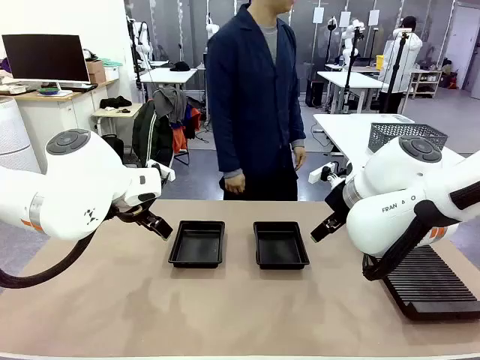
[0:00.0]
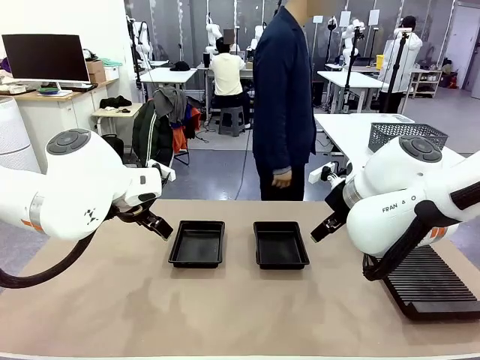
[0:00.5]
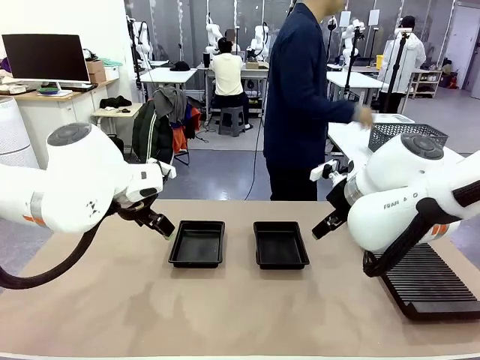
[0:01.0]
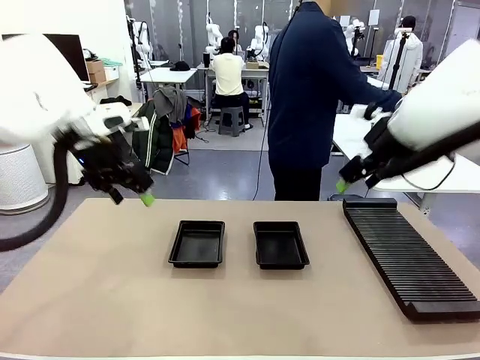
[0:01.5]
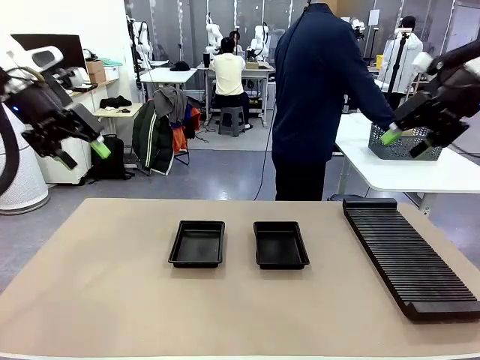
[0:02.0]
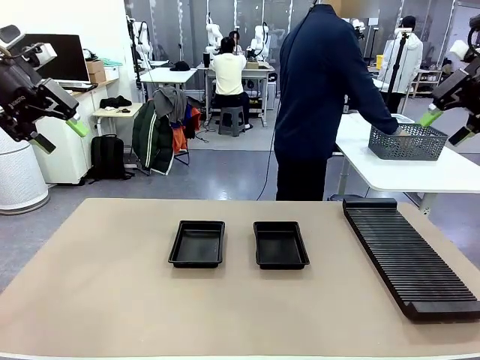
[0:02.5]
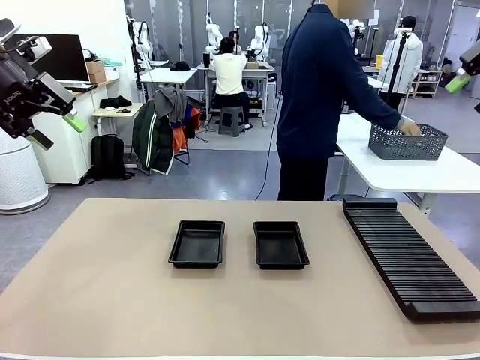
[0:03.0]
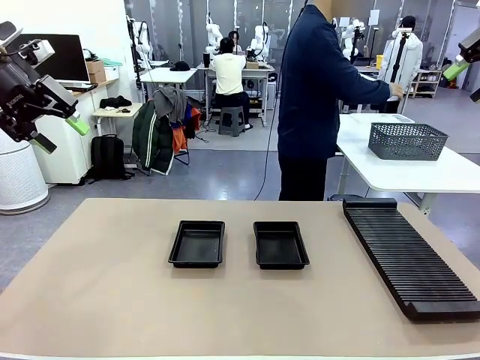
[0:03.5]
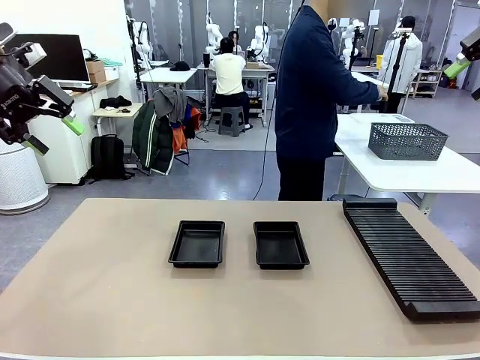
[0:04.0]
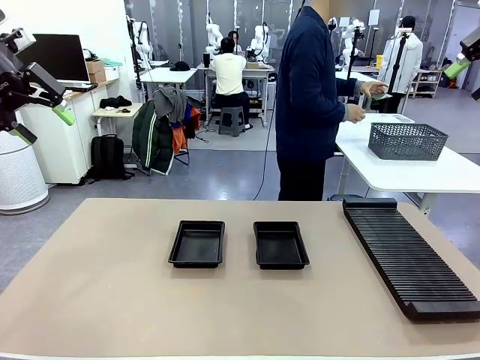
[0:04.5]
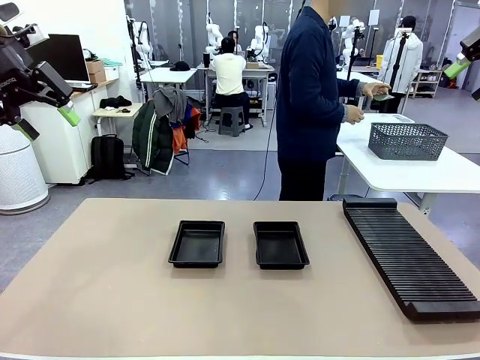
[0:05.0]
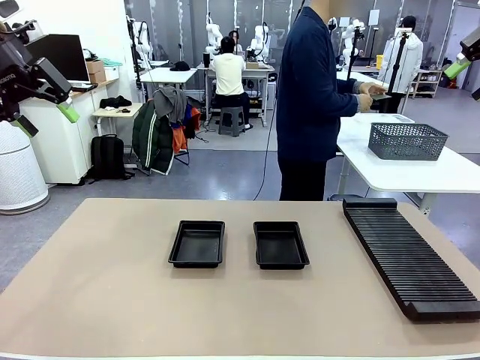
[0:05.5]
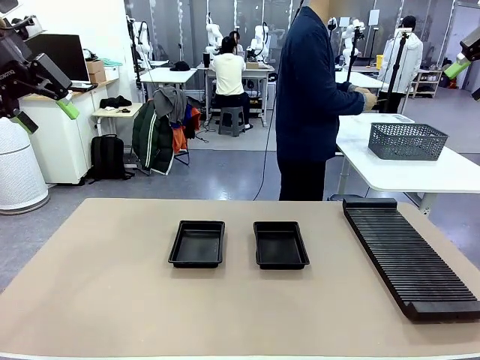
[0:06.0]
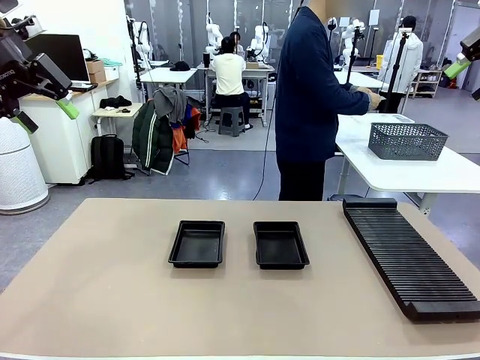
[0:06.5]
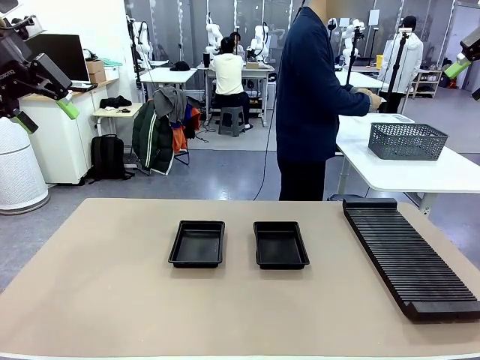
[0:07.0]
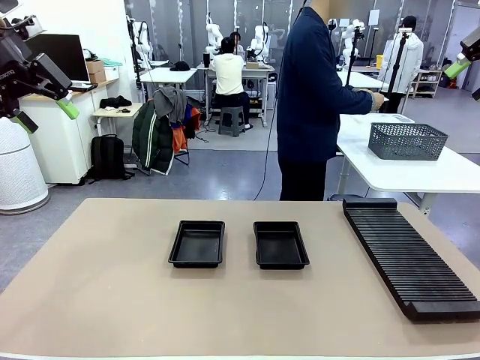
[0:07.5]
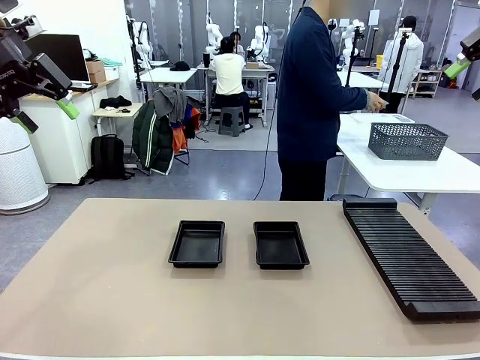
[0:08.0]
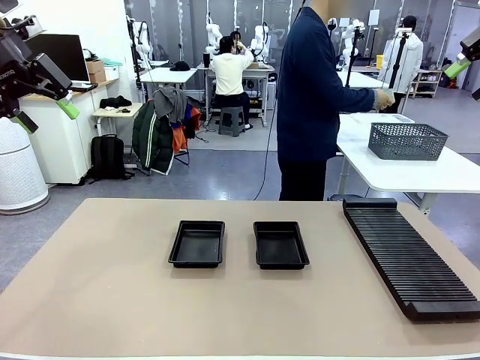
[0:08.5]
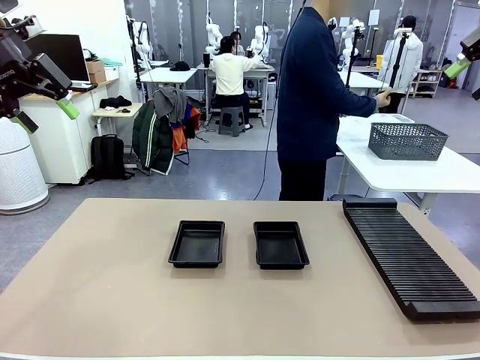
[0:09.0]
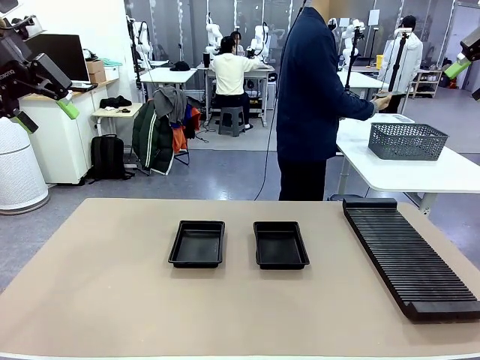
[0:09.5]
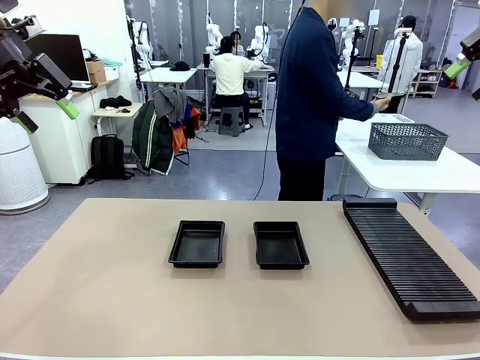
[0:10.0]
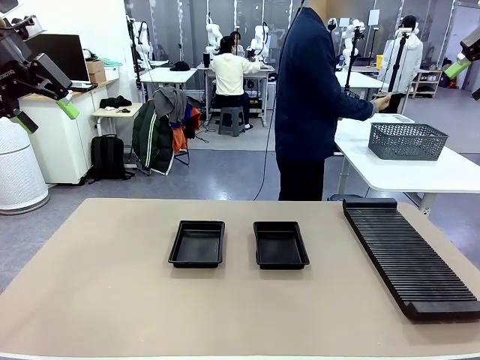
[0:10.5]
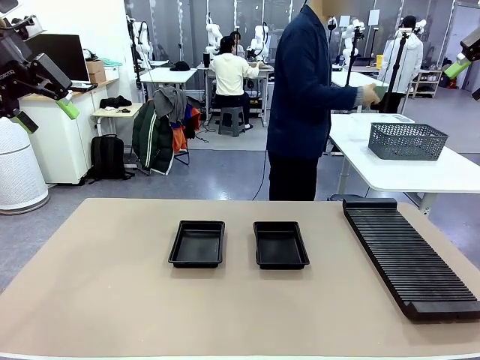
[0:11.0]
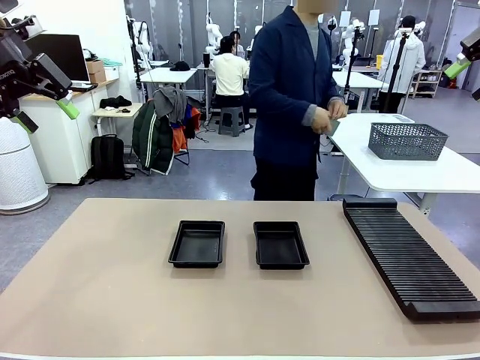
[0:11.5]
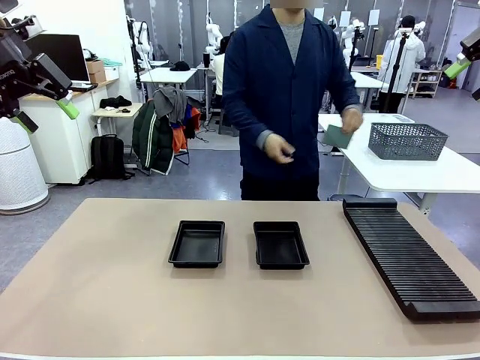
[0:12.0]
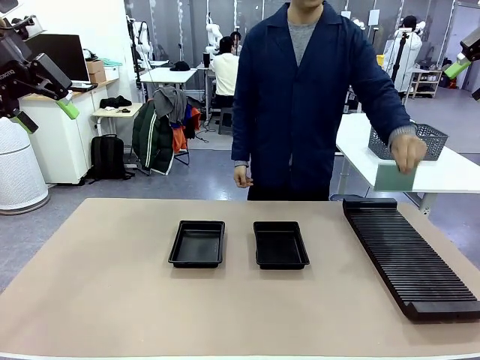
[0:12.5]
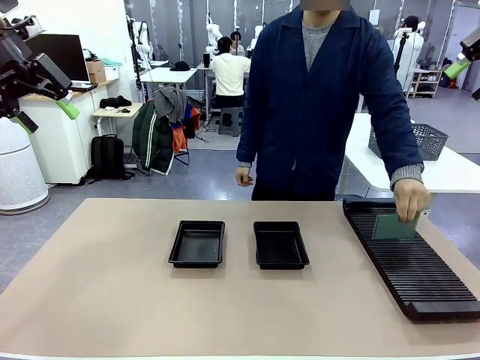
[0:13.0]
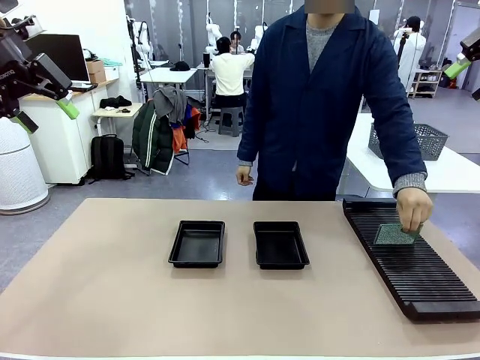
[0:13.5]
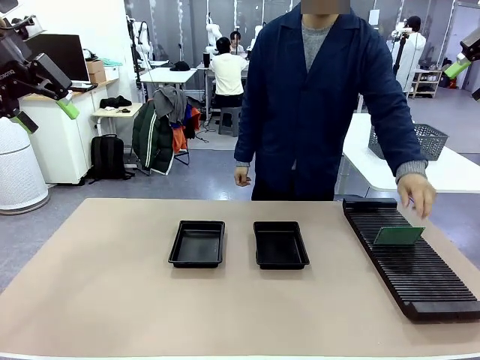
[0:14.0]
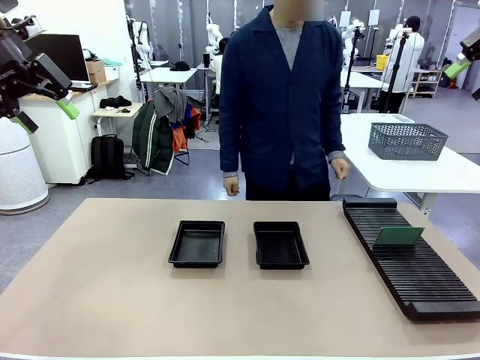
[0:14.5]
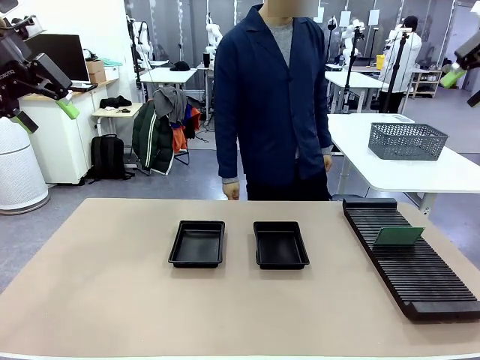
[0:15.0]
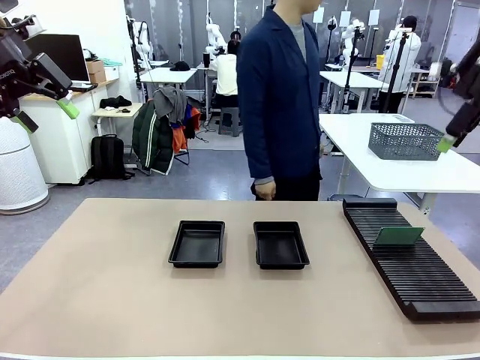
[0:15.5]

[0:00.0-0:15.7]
Task: Inspect and transfer BCBs to ESD trays.
Robot: Pick up the Blank PCB from the PCB Rack and place it in the left ESD tray.
